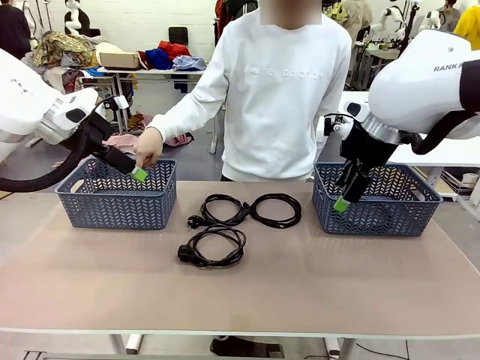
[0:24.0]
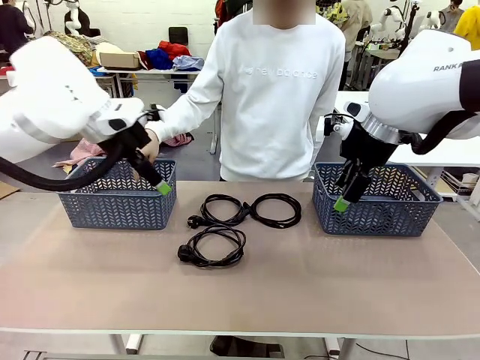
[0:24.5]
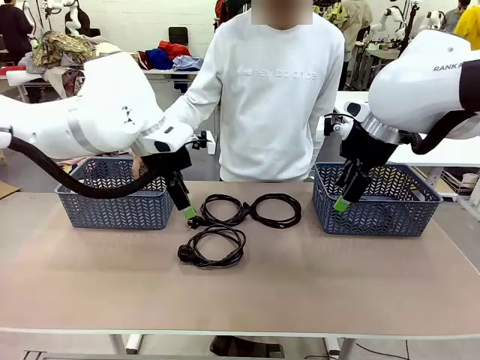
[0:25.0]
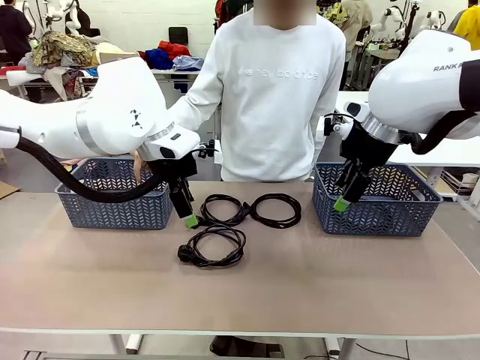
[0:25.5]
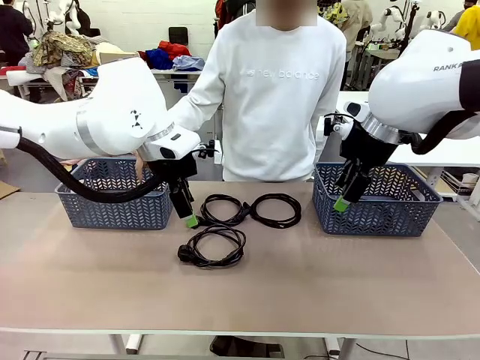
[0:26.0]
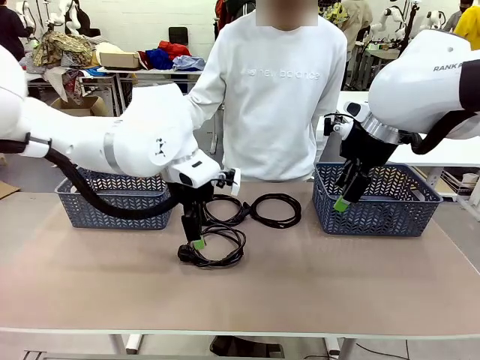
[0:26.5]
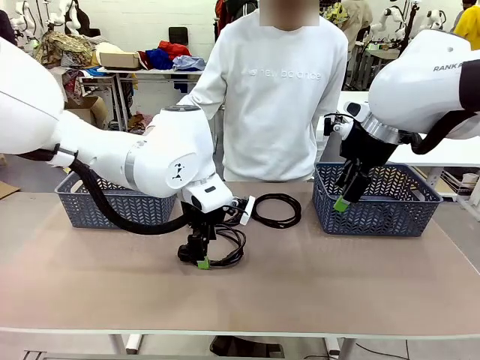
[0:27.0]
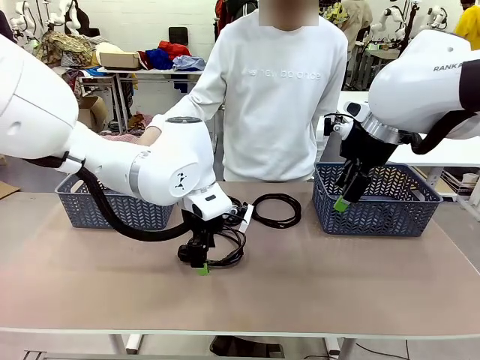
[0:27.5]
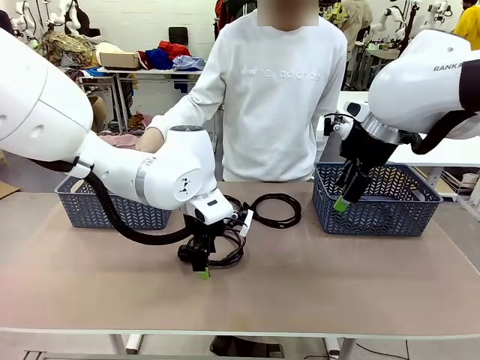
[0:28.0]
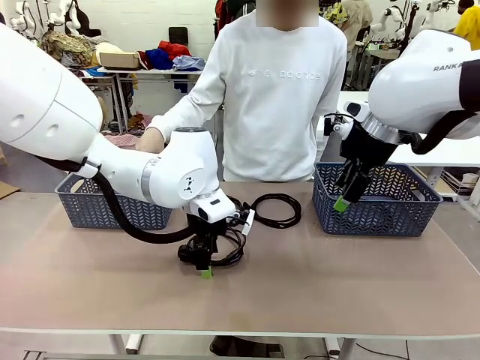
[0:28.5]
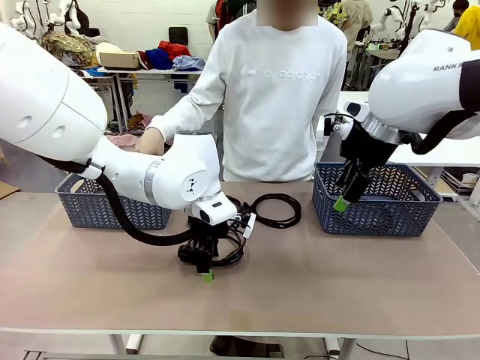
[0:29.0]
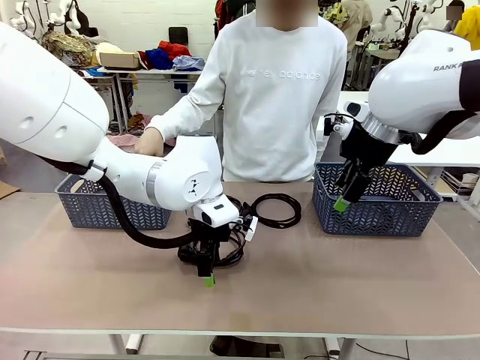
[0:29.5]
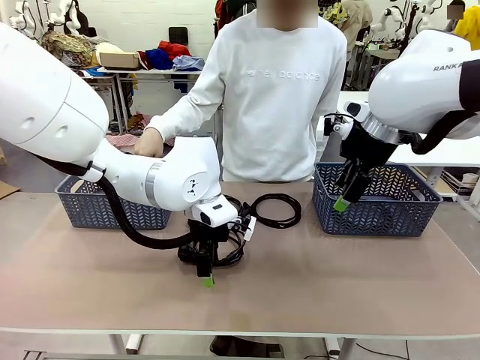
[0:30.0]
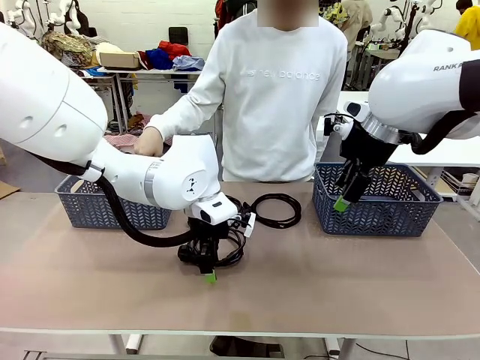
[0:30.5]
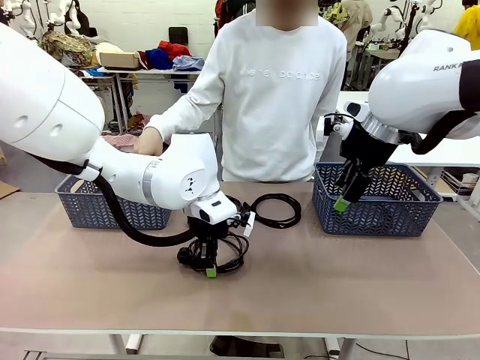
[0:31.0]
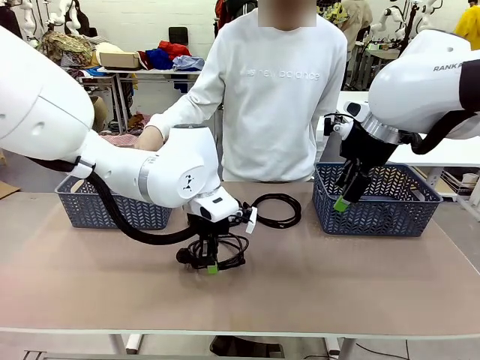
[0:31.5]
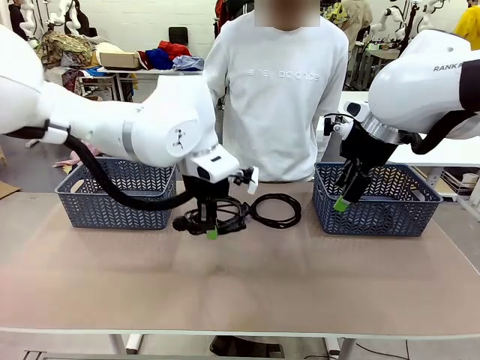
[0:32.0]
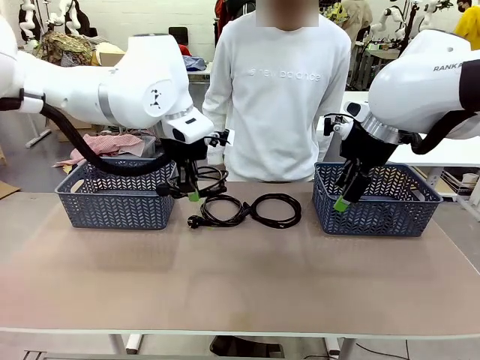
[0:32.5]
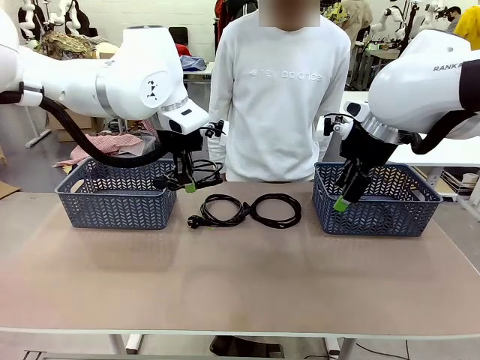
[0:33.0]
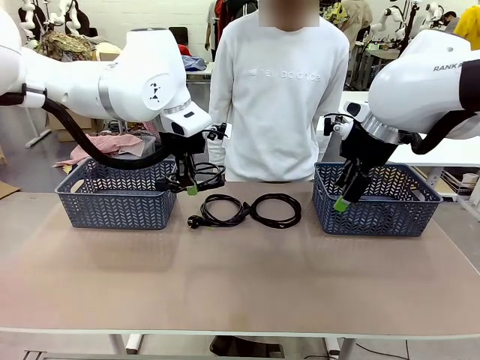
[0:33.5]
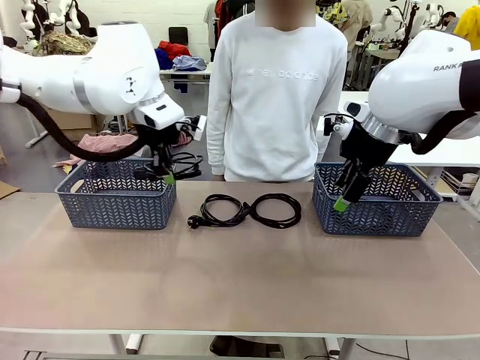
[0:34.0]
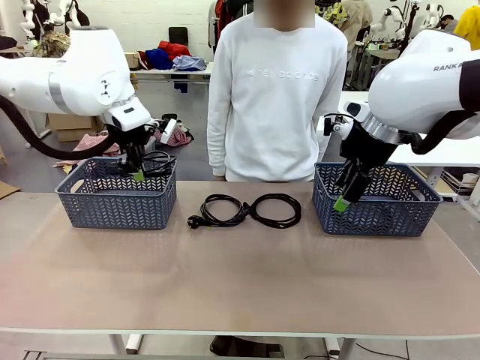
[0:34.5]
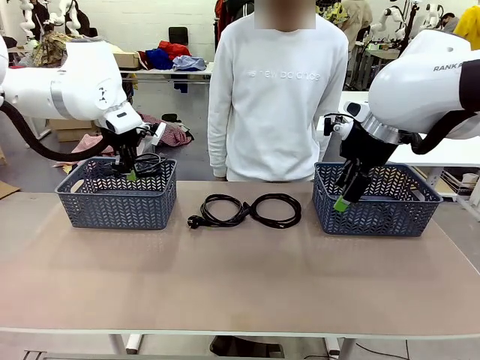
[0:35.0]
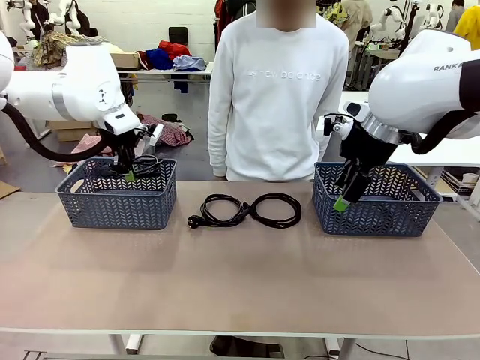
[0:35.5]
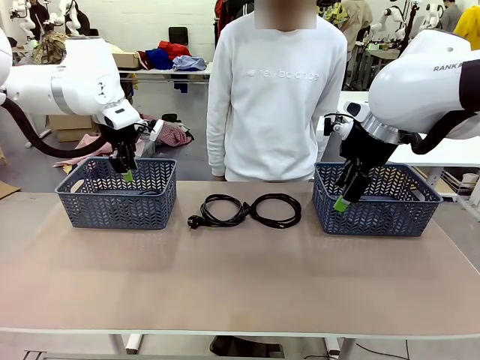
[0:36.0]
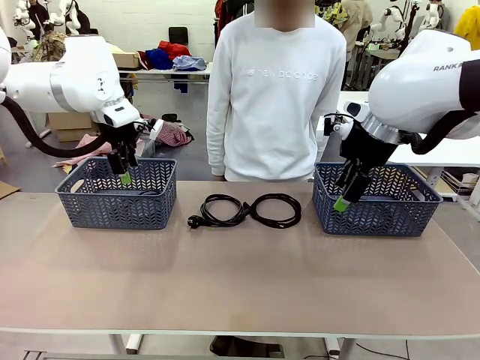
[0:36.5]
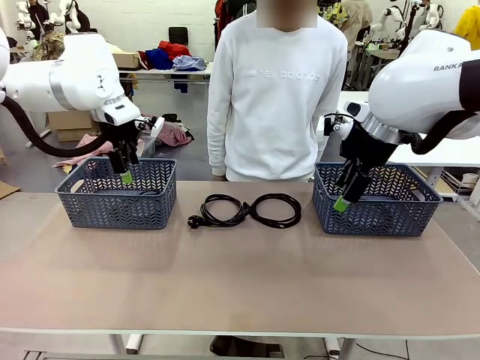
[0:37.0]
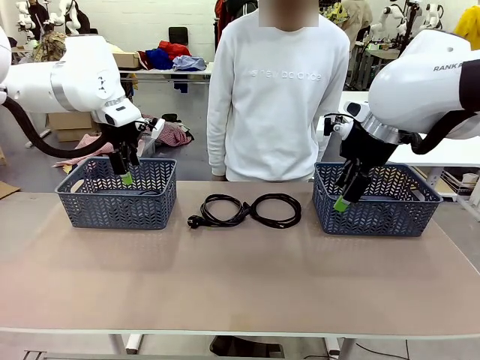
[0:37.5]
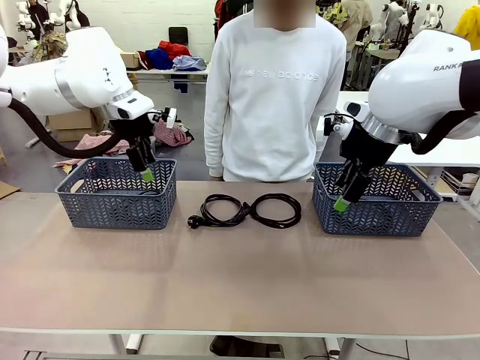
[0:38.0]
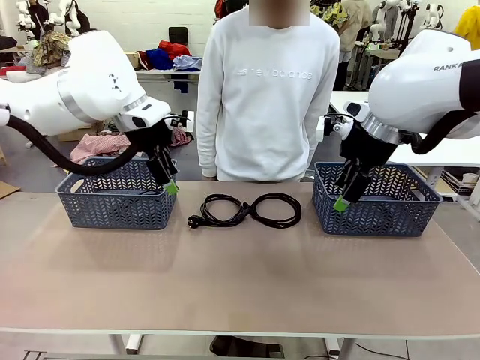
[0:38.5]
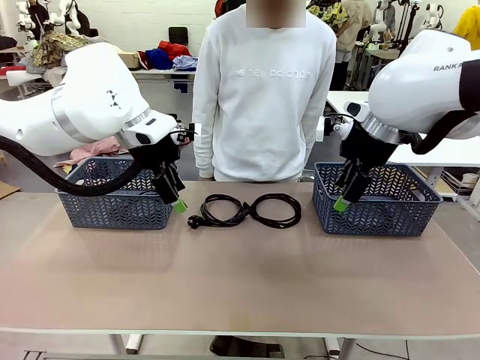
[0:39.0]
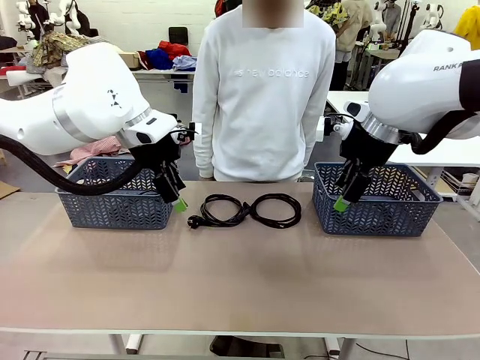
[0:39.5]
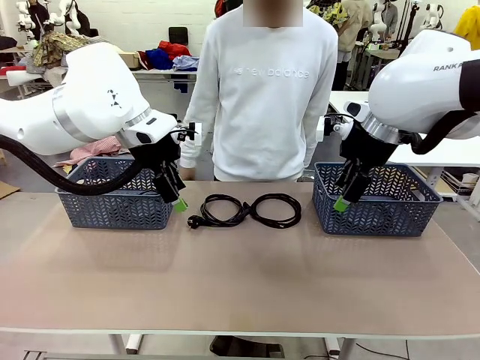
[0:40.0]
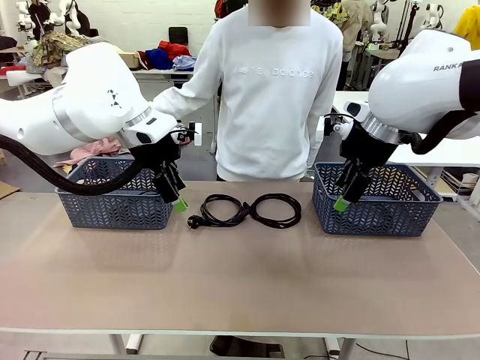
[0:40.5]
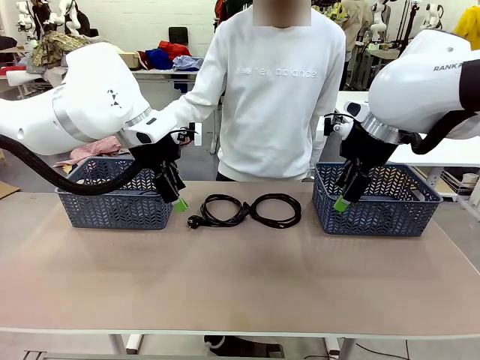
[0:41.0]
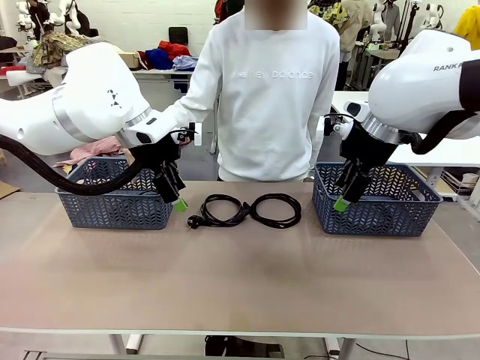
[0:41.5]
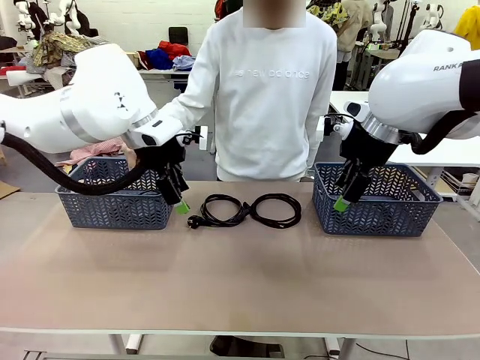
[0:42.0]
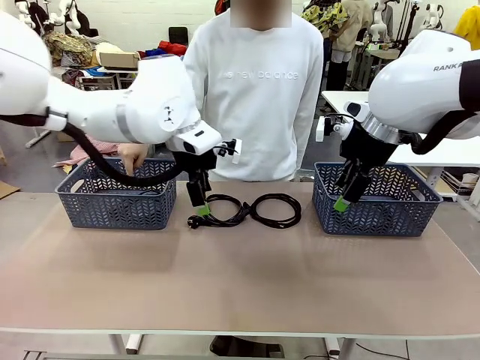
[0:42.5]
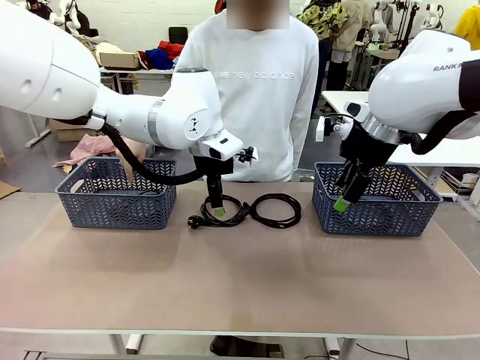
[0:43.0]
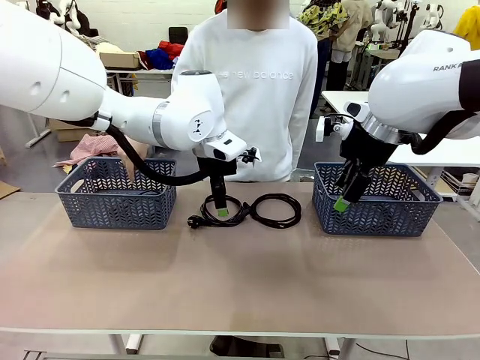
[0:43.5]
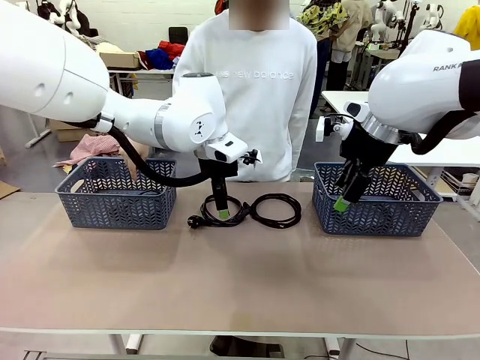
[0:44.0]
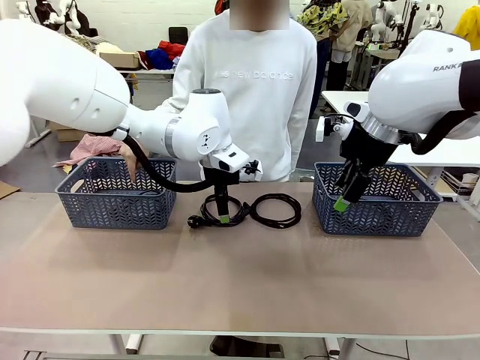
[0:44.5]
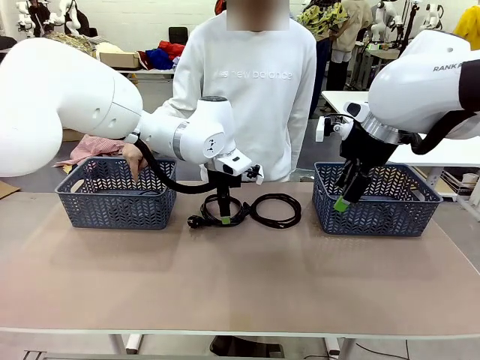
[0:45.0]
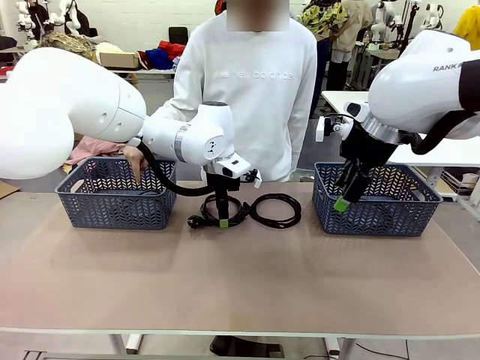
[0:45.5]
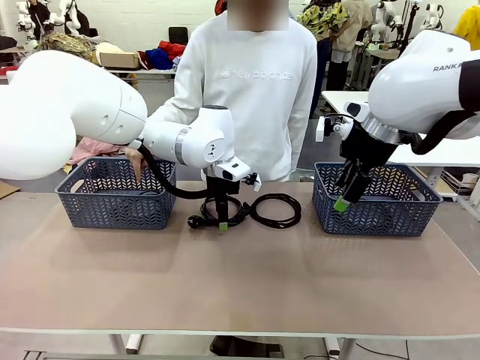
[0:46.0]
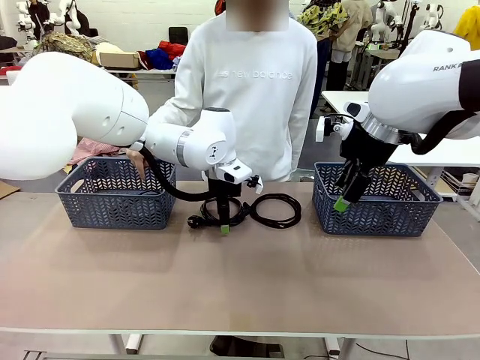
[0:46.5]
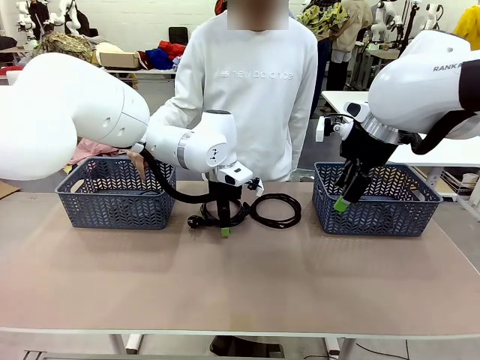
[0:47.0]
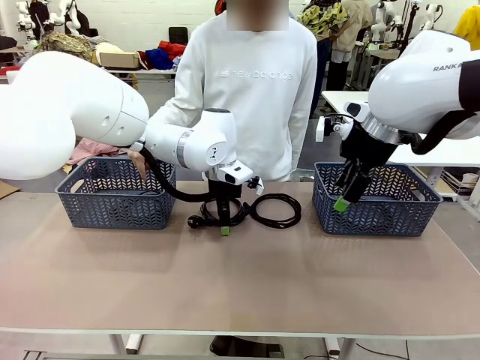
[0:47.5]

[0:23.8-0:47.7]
Task: Organize the cables according to human instructions.
Robot: Pick up a bundle of cables and place it in the basket indicated by the human.

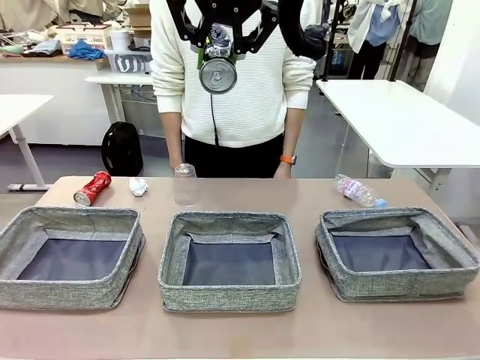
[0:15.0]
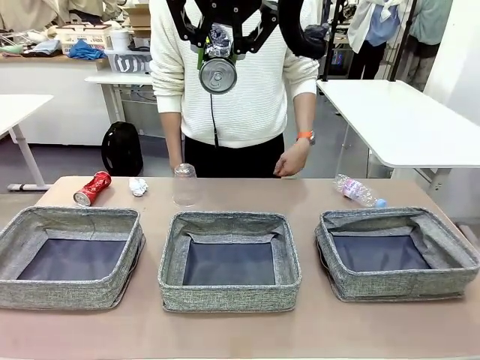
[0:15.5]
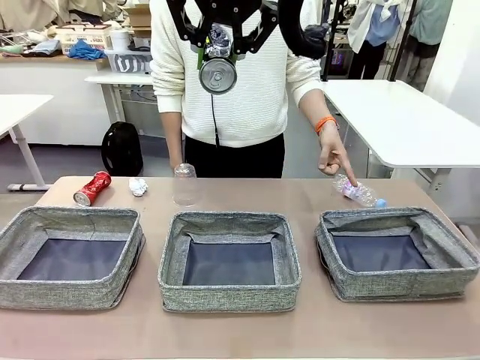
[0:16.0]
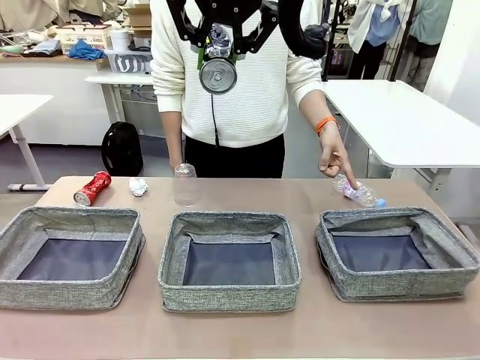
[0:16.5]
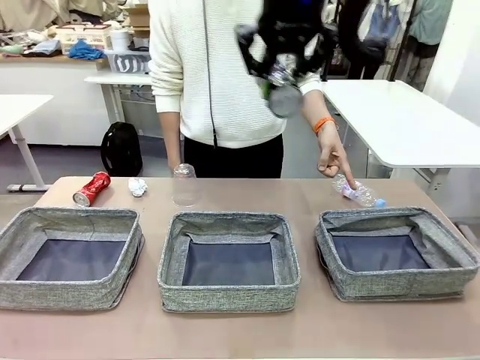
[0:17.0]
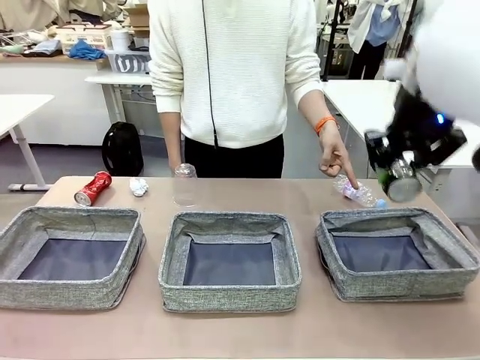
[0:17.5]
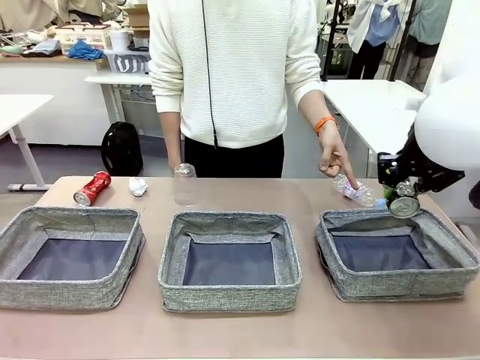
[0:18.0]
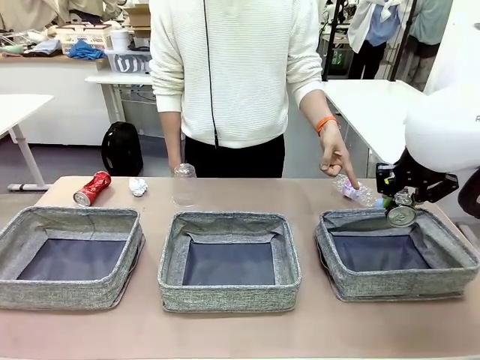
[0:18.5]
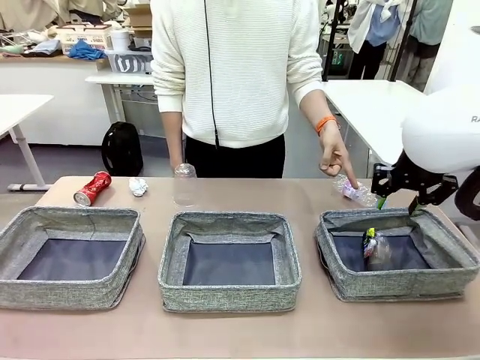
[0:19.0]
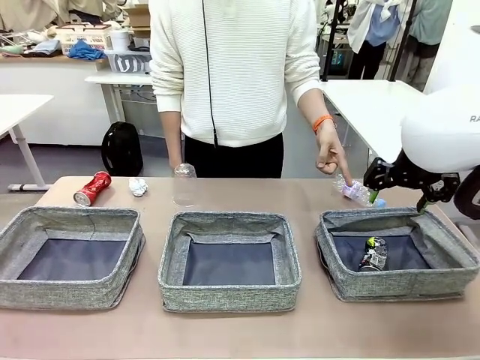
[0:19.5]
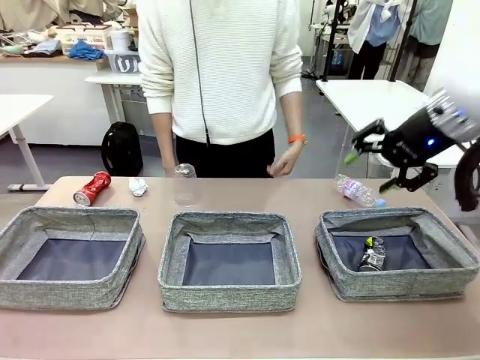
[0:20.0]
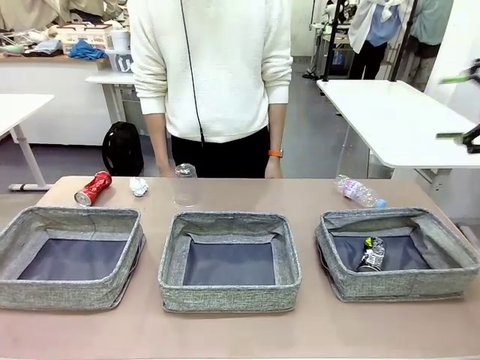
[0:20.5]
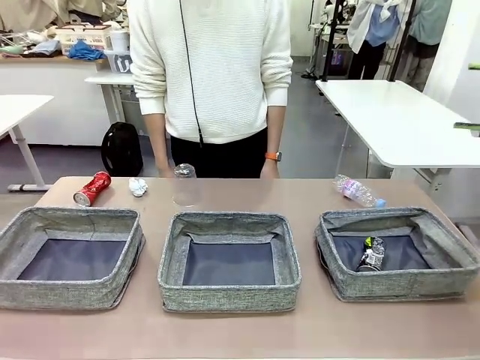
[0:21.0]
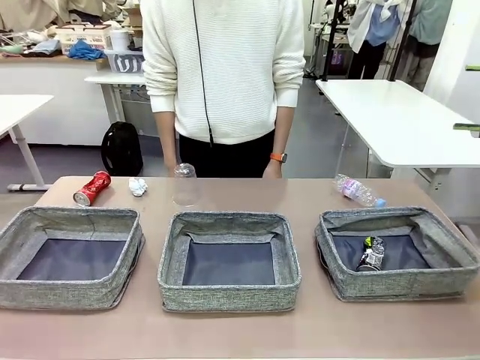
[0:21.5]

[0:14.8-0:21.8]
Task: Sort the waste into the appropriate baskets.
Robot: Place the picked waste into the Fabric basket indicated by the person.
Person: Instructs the robot to place the picked-up trash into the appropriate organizing basket.
